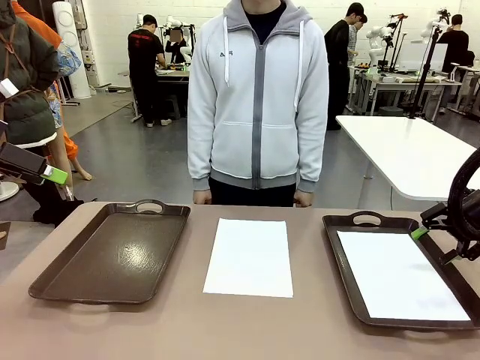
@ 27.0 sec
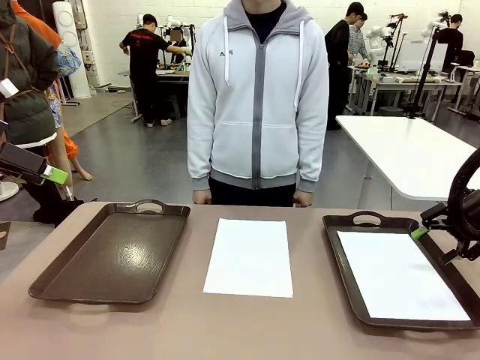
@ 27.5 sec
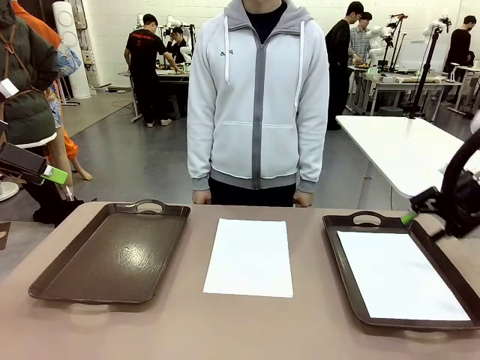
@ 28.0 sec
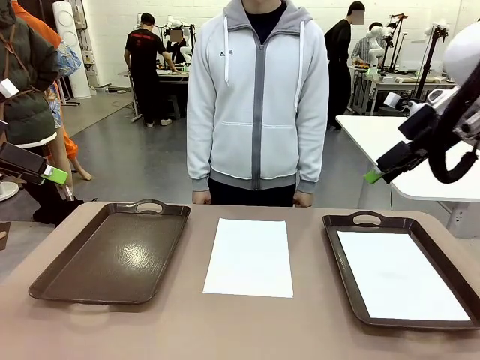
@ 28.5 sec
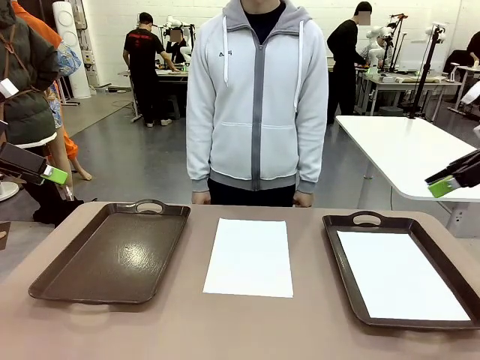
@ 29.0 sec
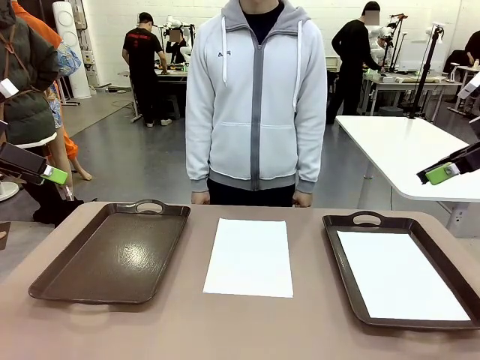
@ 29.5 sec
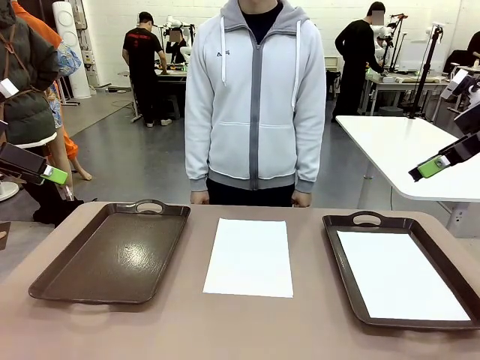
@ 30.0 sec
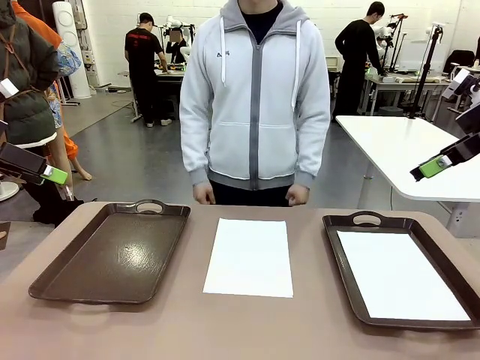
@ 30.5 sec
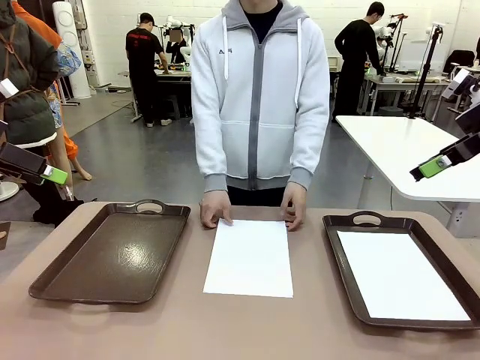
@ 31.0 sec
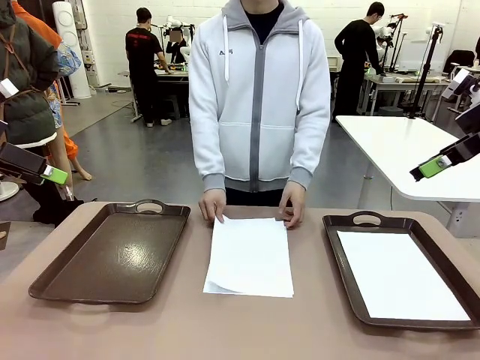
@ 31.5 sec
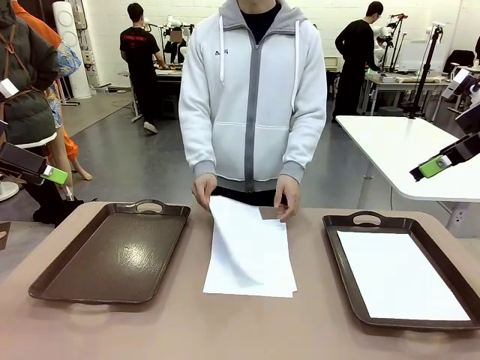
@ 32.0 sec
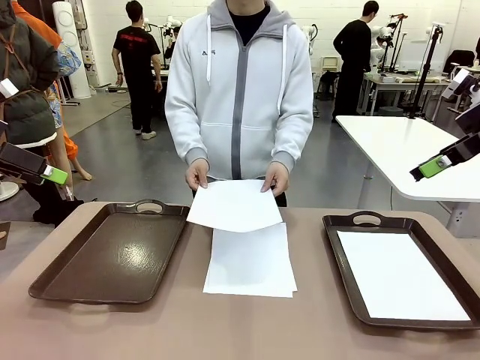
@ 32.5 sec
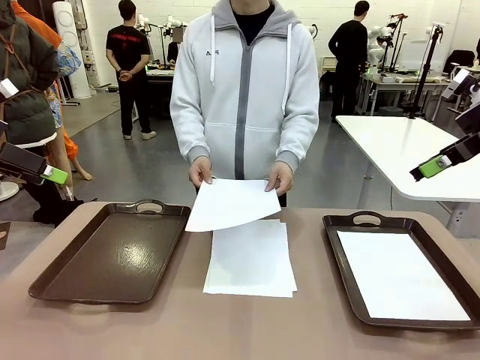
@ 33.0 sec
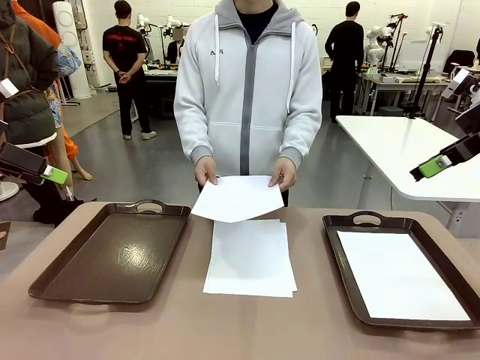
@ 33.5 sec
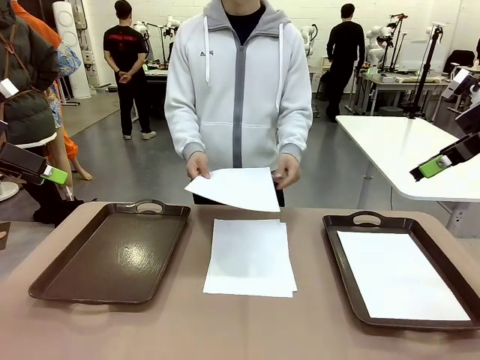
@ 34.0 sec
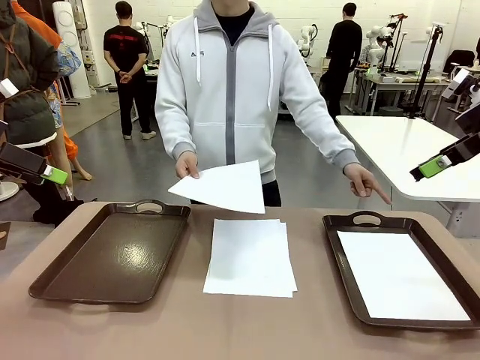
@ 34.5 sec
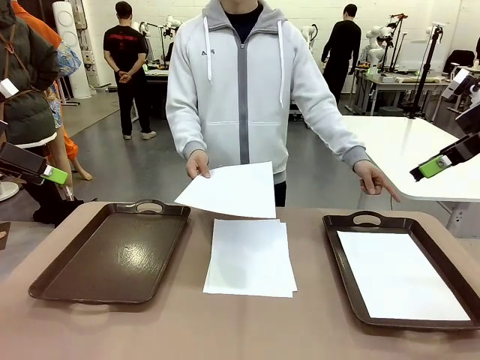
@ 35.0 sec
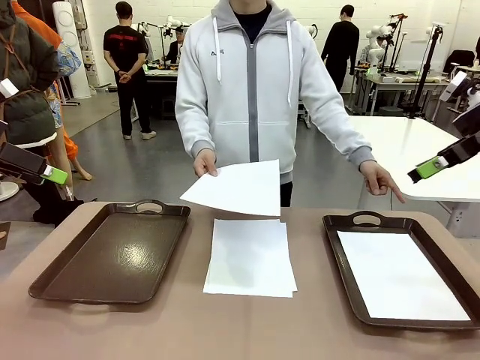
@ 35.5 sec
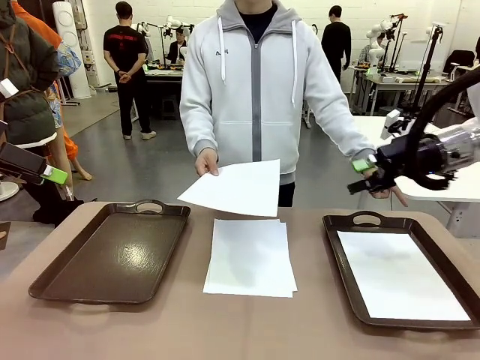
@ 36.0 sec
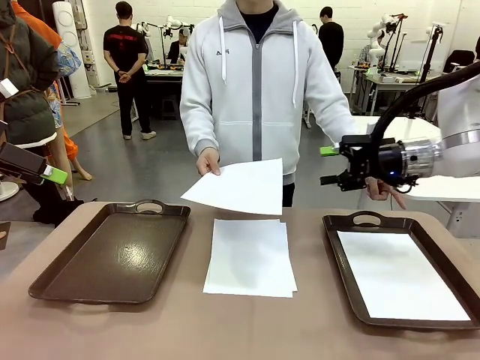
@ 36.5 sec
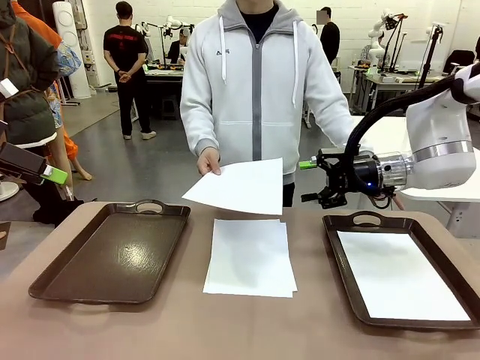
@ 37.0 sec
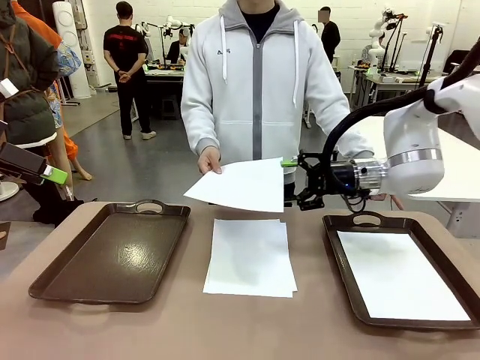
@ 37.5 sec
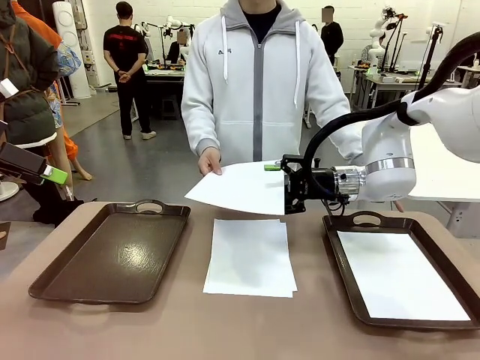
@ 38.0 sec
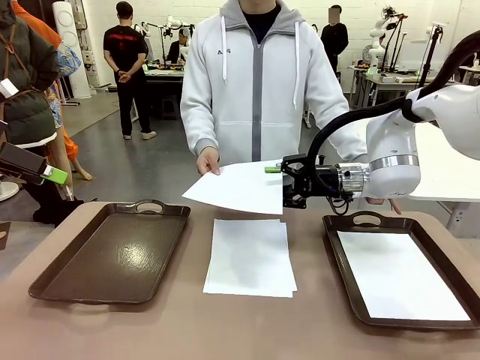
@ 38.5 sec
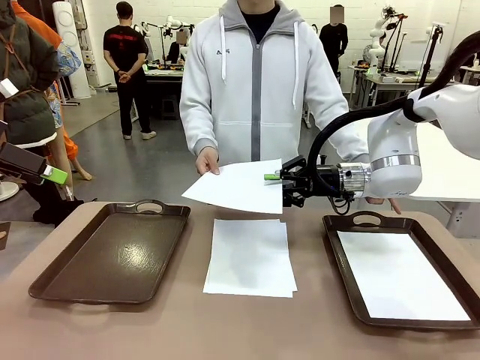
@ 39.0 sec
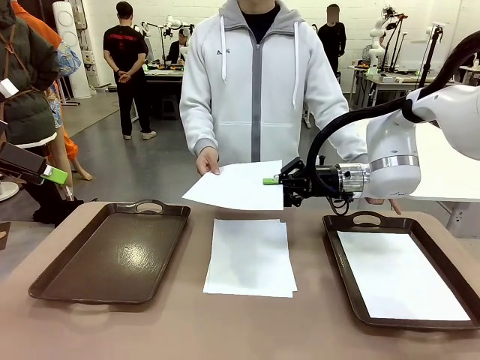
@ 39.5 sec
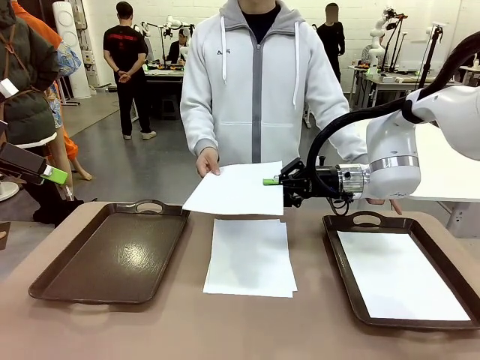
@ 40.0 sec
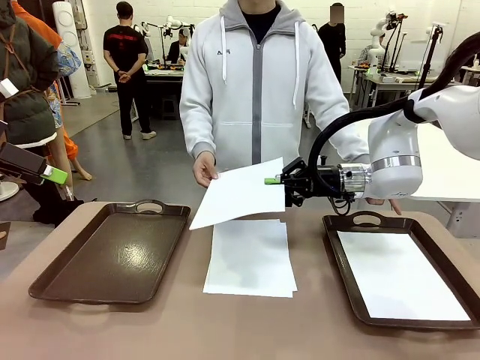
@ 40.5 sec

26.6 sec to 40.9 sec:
Task: Sort the A4 documents.
Robot: Receive the A4 Paper.
Person: Point the randomly selected tray with the other hand.

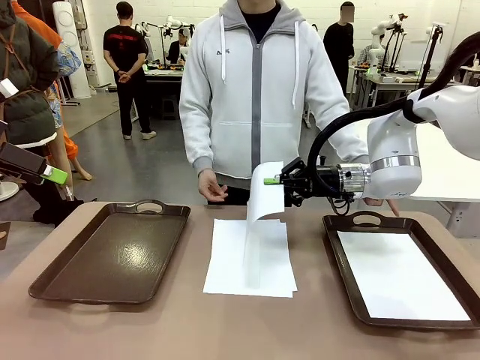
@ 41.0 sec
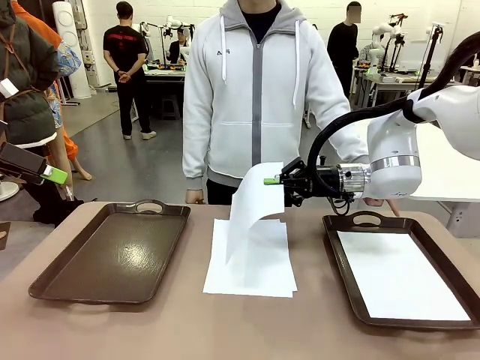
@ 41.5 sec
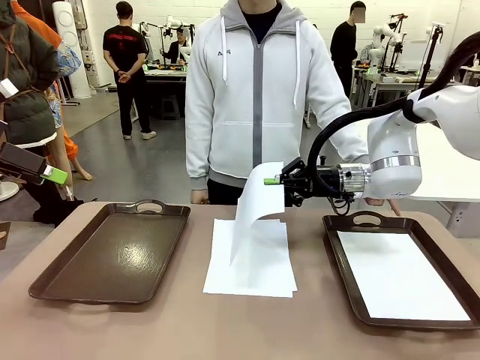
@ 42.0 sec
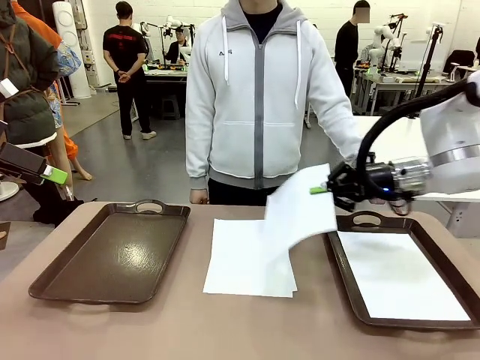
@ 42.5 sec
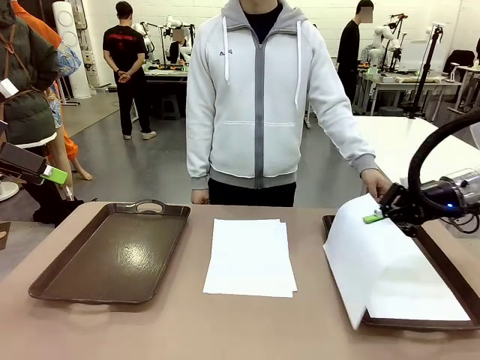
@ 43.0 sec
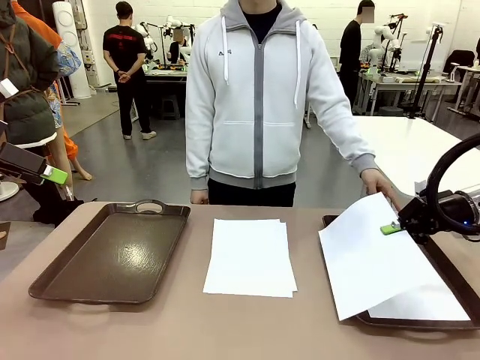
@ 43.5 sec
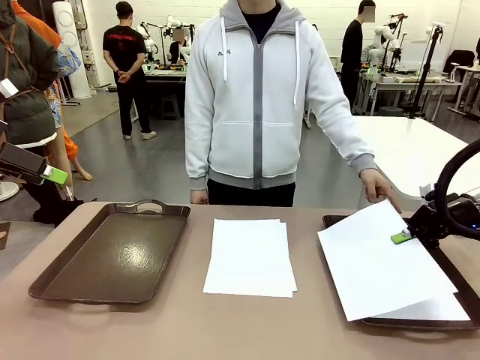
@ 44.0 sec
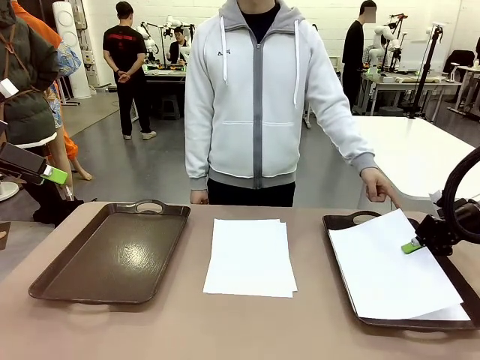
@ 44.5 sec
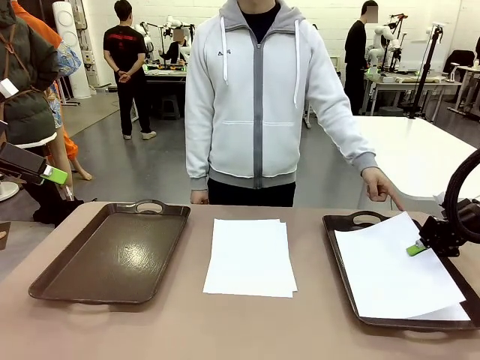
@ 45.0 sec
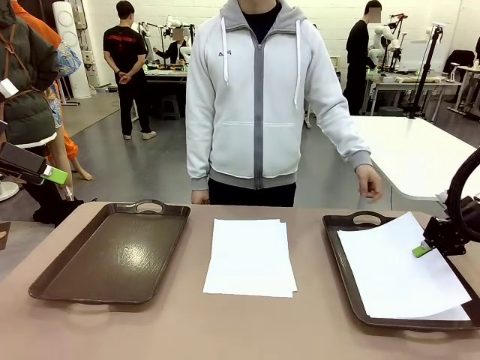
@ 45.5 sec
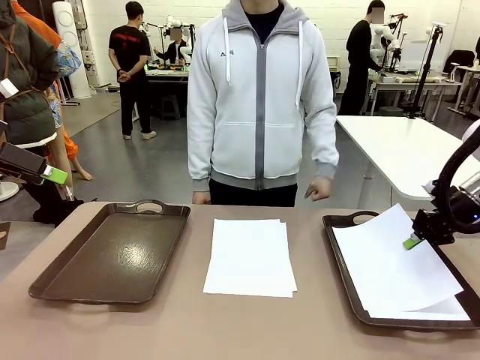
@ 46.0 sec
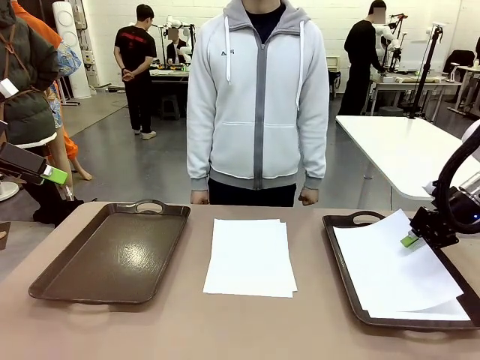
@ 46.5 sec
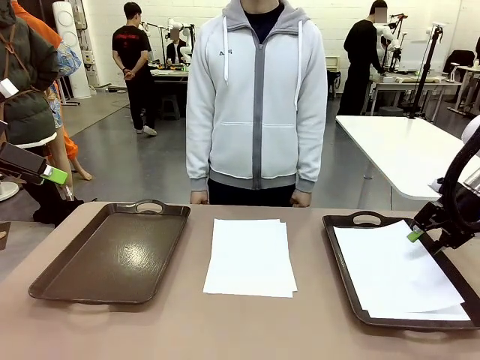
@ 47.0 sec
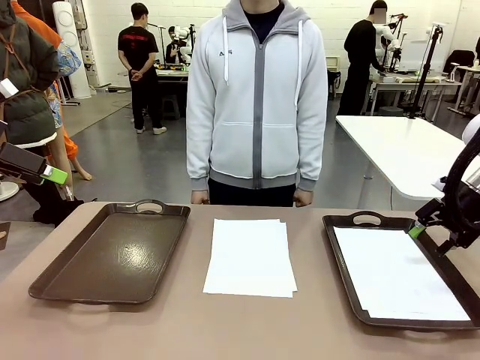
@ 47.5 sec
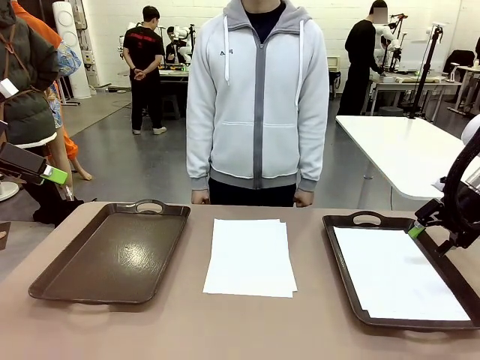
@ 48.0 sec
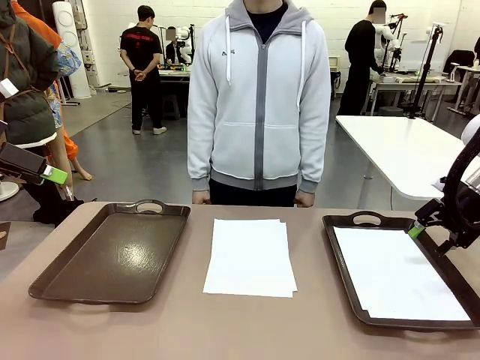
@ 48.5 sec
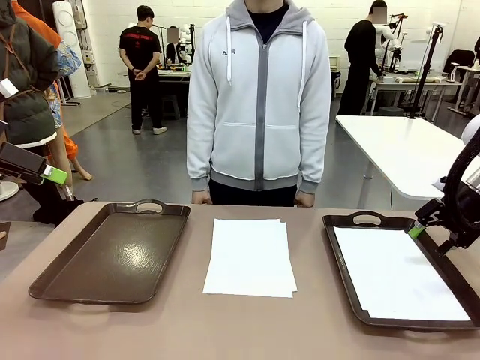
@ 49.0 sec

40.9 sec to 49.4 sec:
Robot: Place the A4 Paper in the designated Handle tray.
